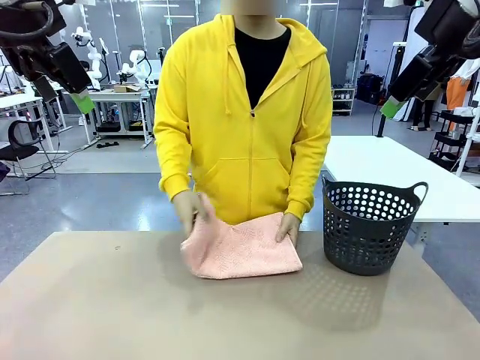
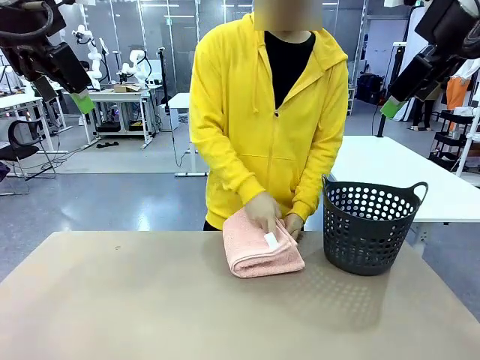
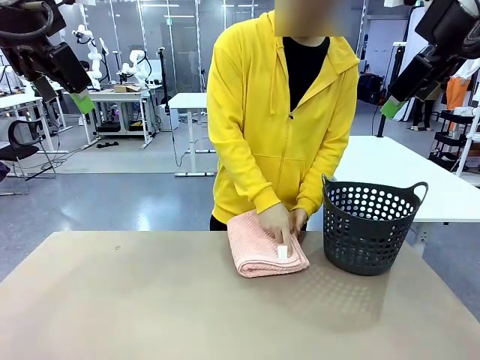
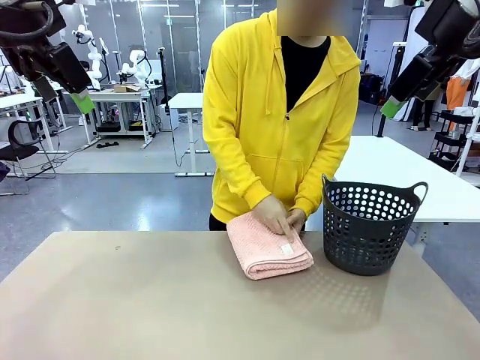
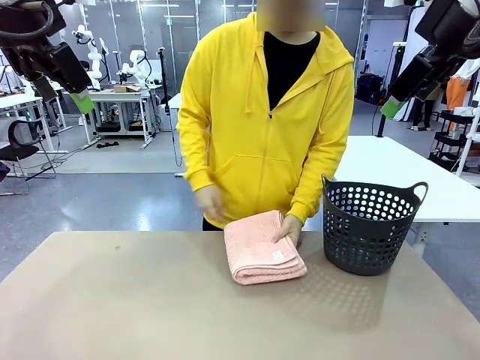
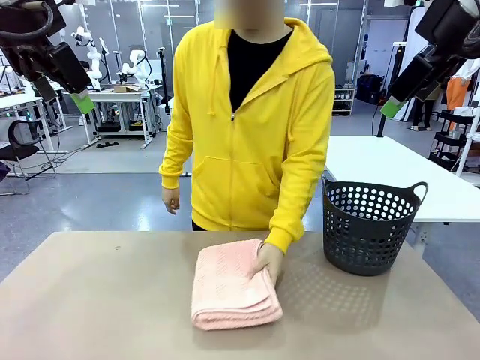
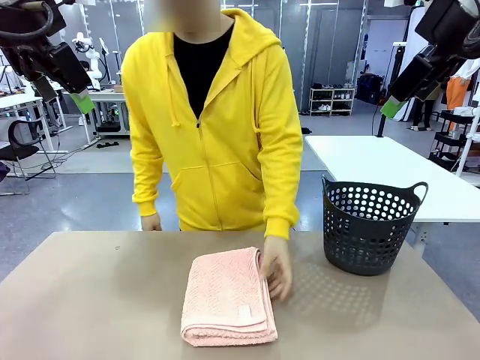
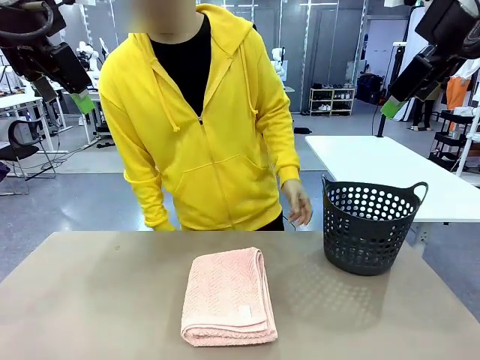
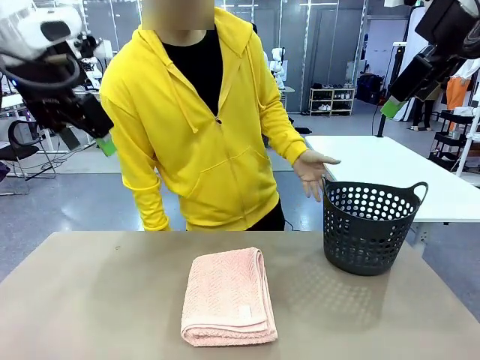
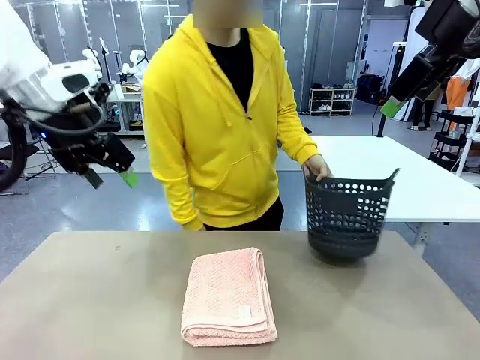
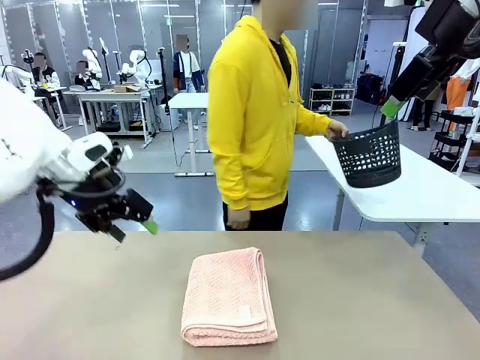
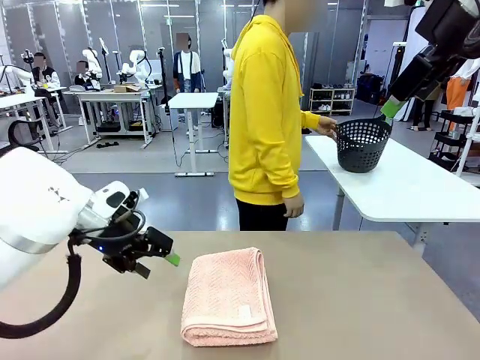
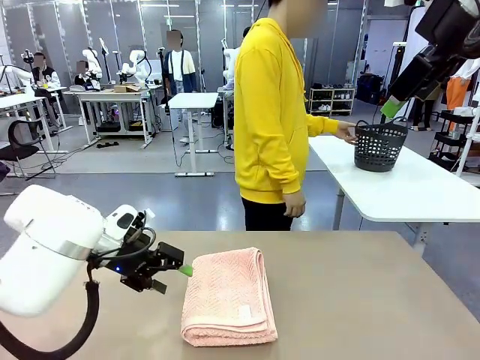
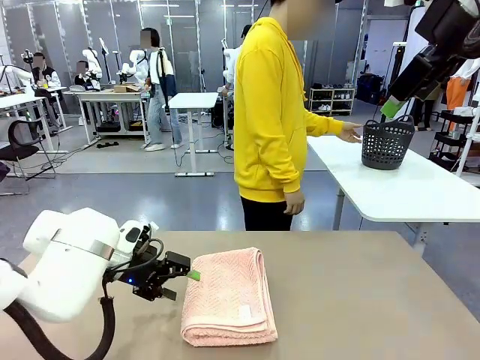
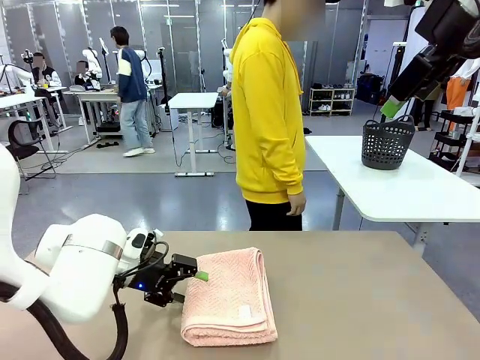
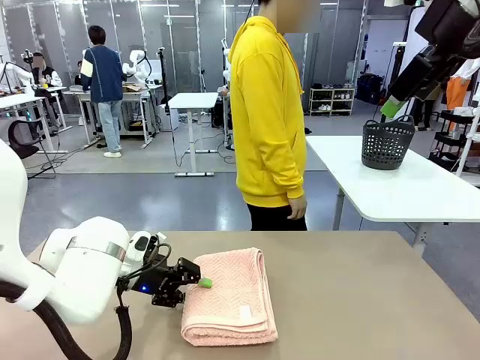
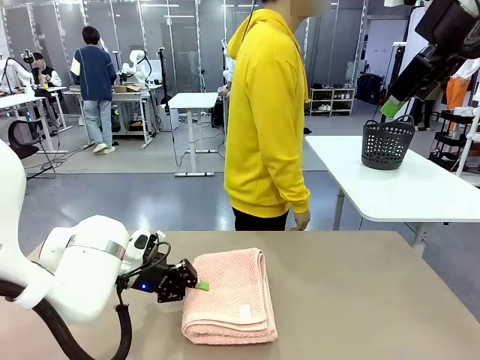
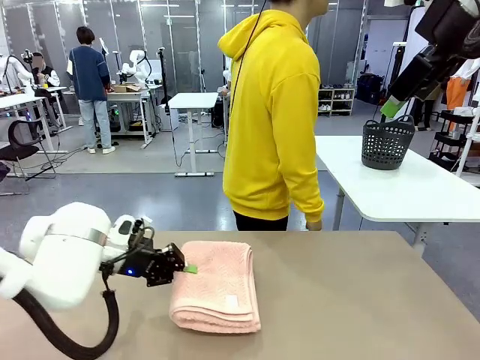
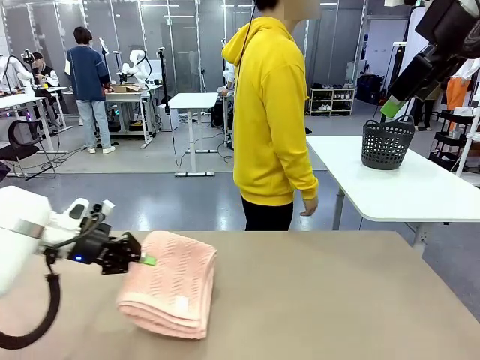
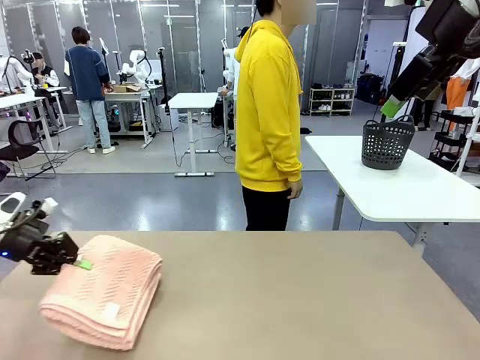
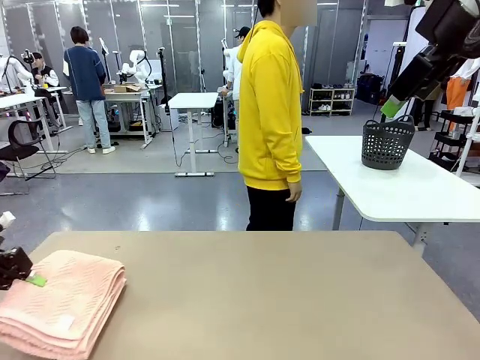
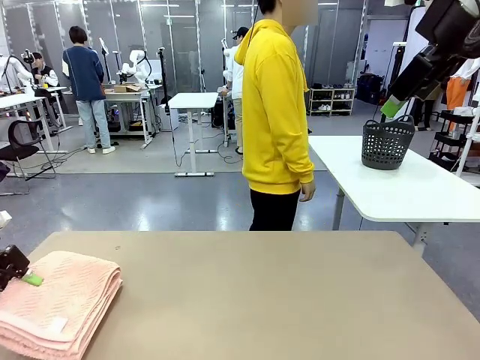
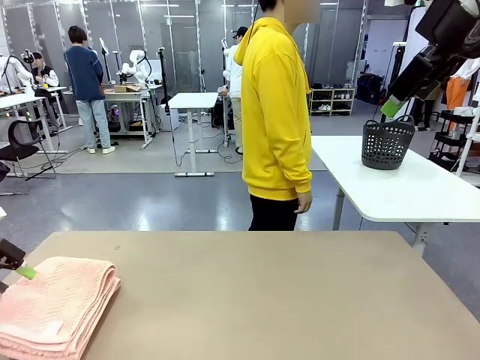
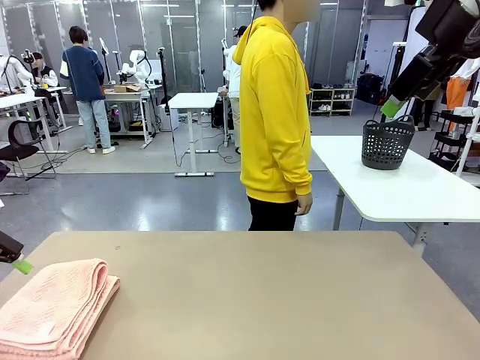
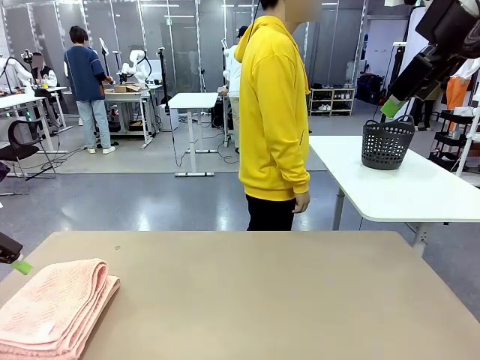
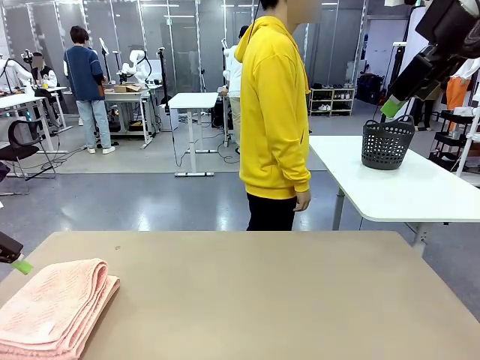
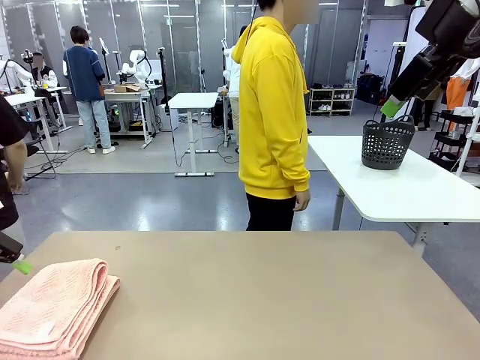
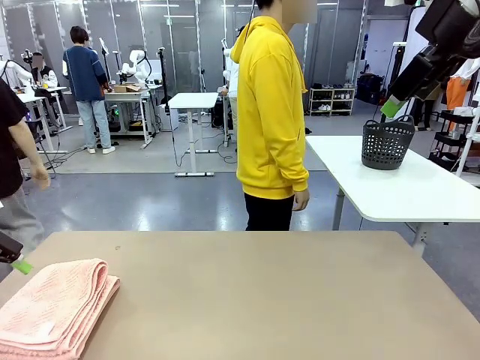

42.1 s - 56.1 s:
Task: Fold the towel.
Robot: Pick up the 100 cm Hotel Towel and place it on the left side of the table.
Person: Pick up the laundry basket and place it at the center of the human table.

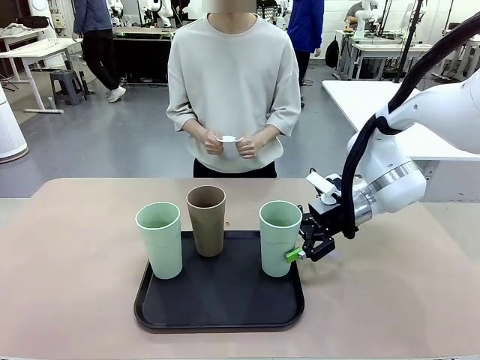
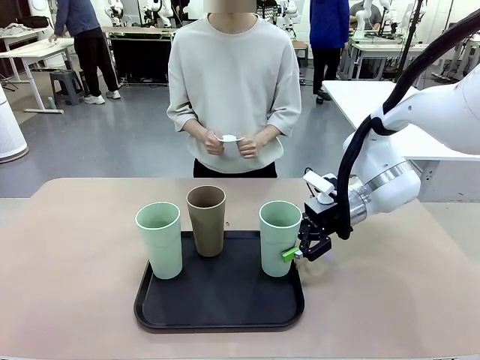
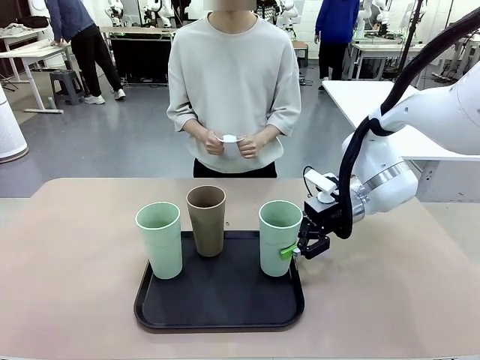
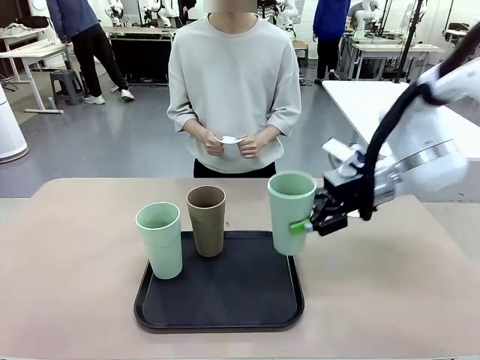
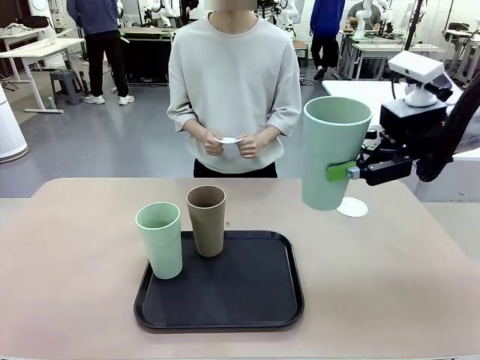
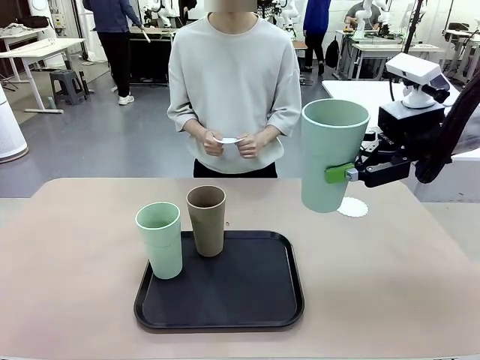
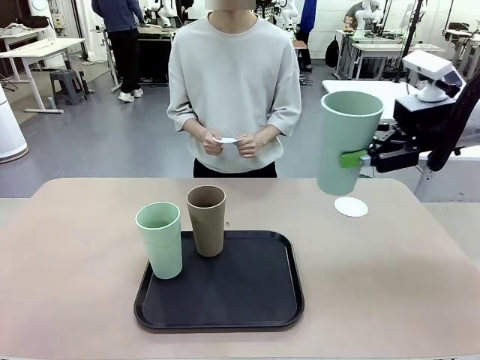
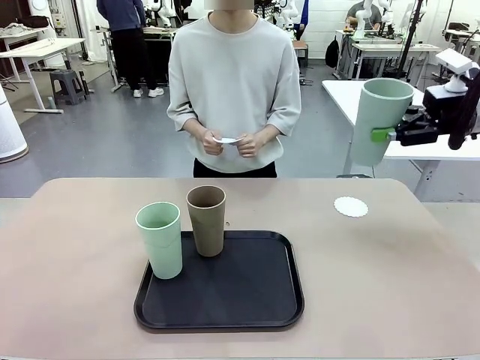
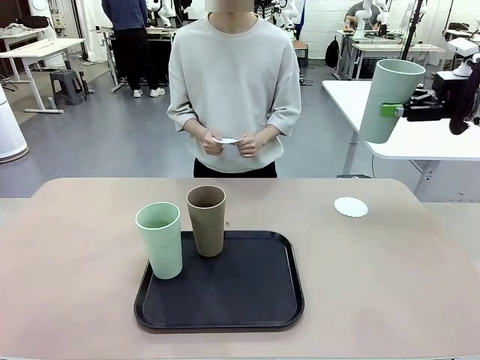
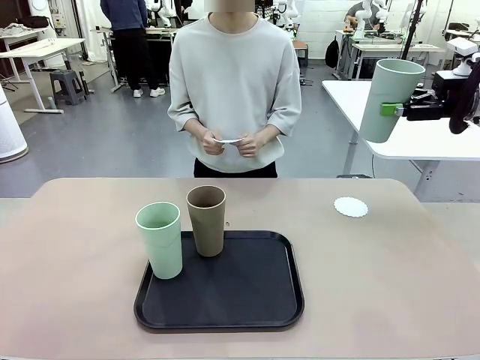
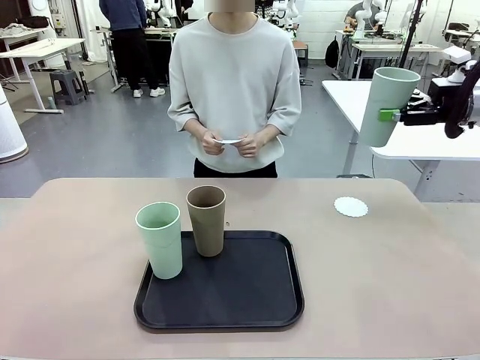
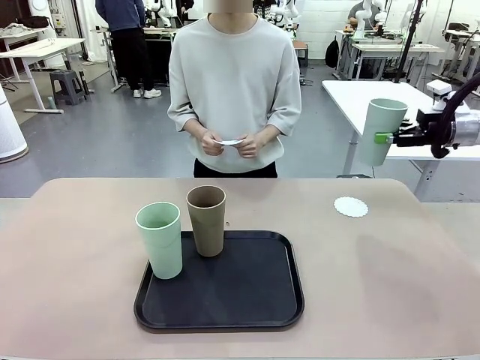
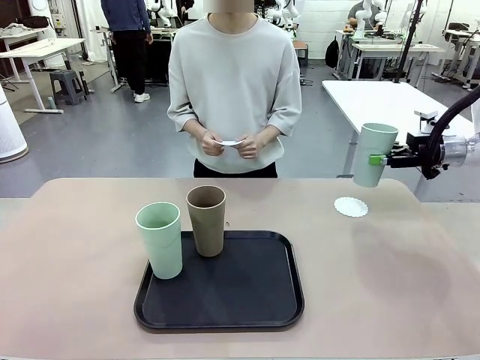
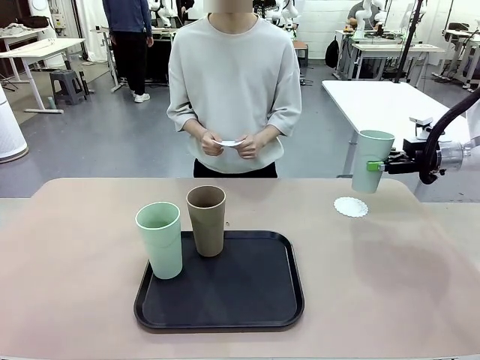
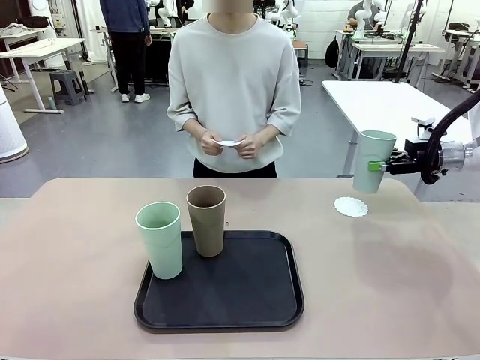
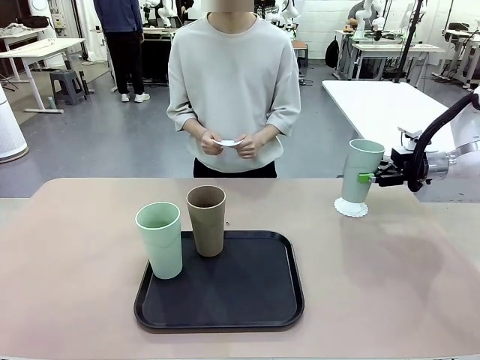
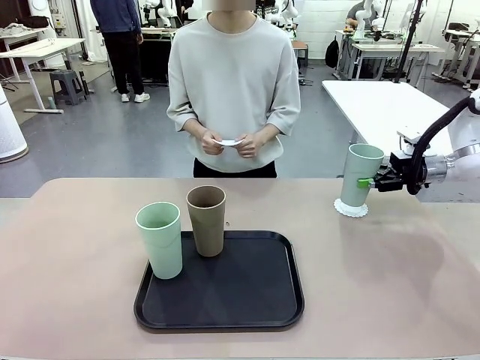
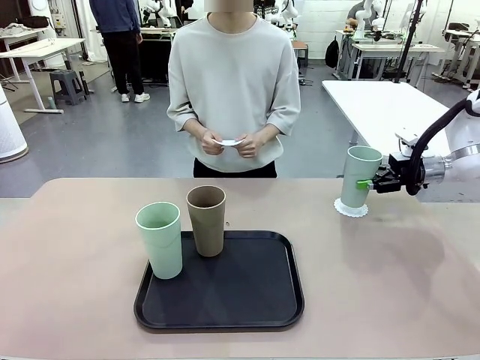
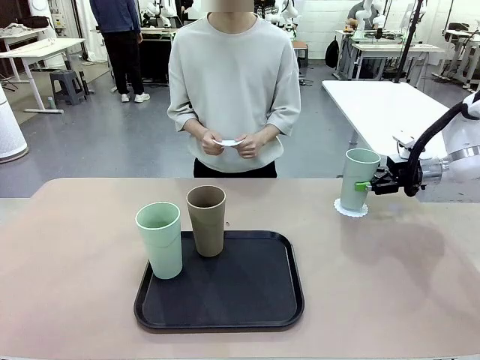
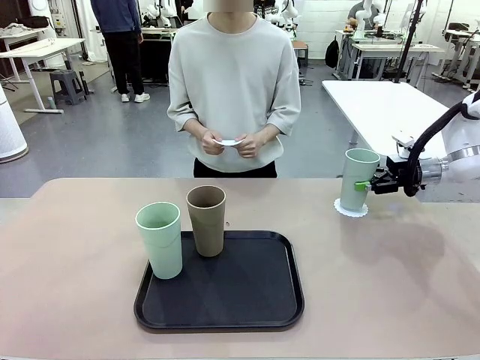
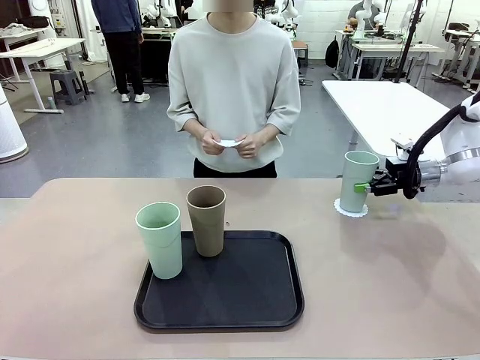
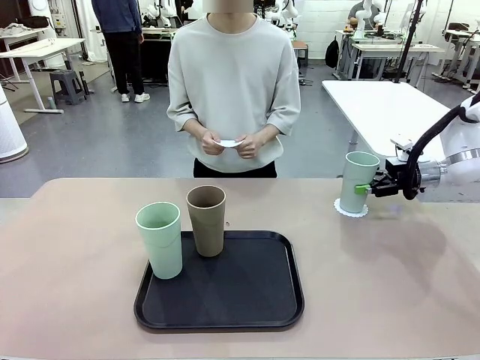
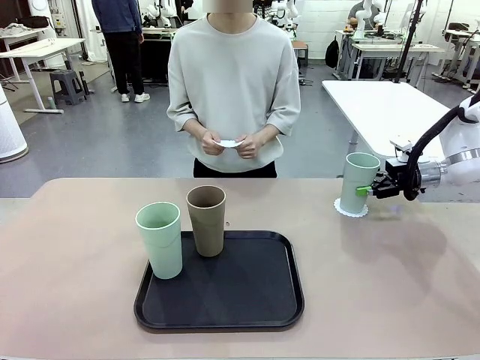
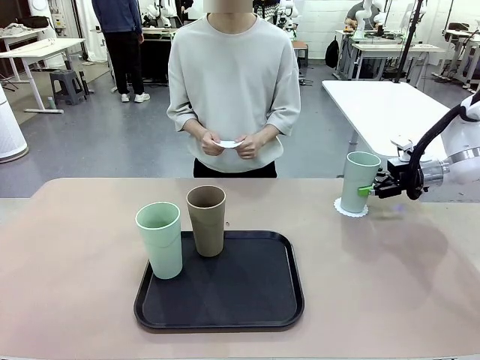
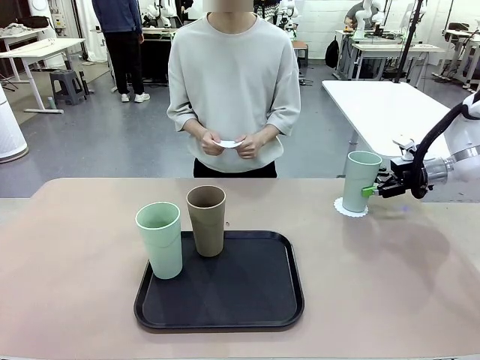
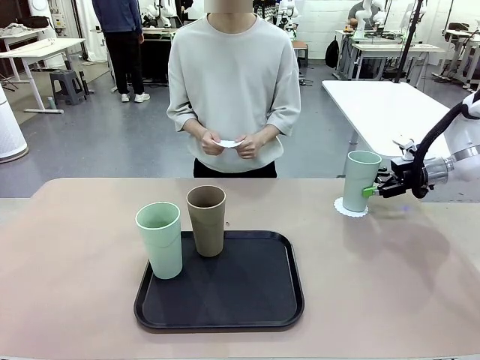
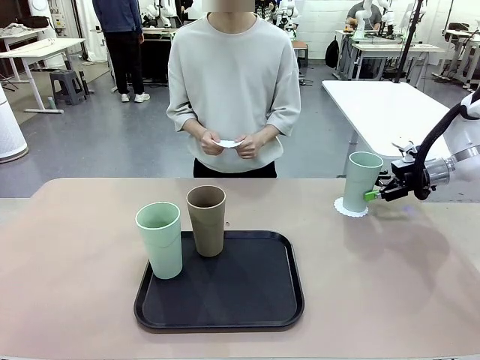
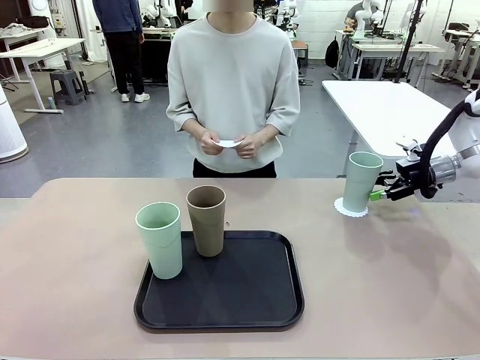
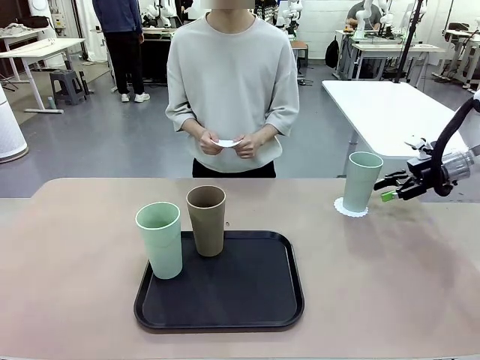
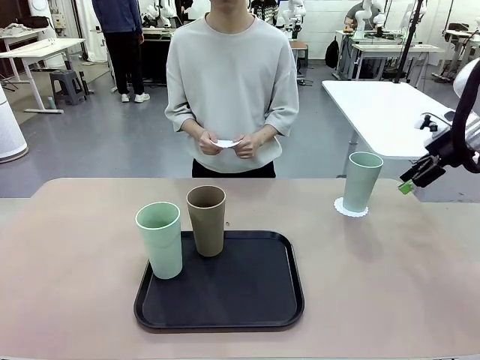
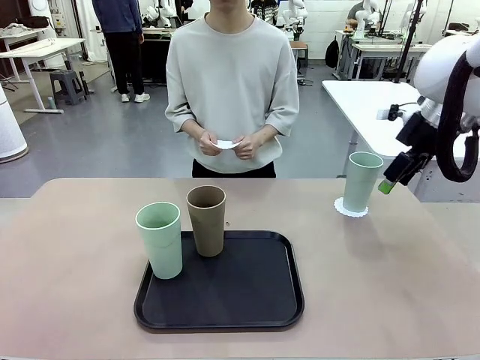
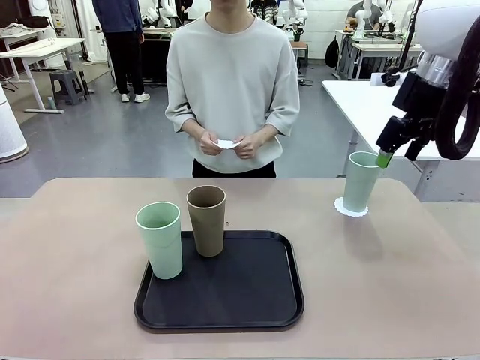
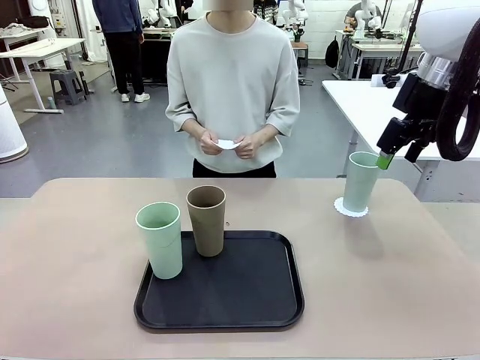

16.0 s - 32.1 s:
Task: Place coasters on the table and set cups on them.
Robot: Pick up one Reusable plastic cup and place it on a coaster set by the human.
Person: Place one coaster in one of the two areas excluding the previously selected area.
